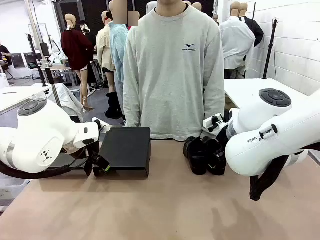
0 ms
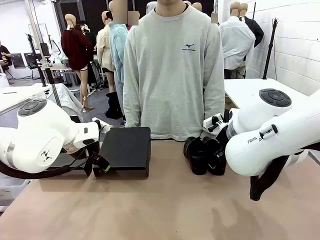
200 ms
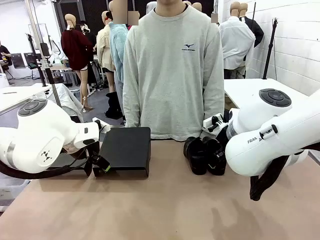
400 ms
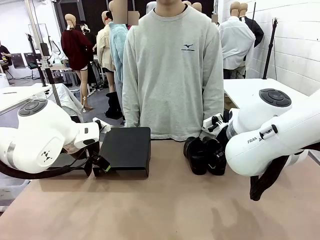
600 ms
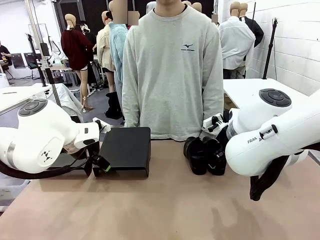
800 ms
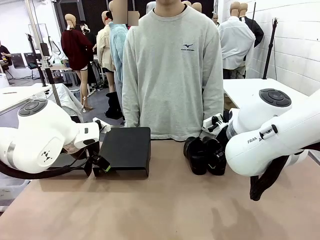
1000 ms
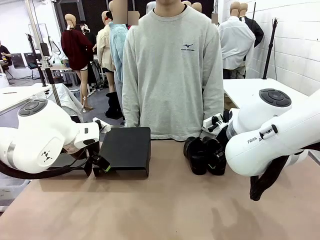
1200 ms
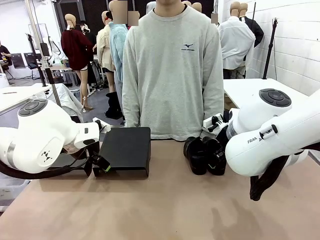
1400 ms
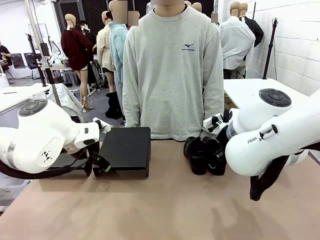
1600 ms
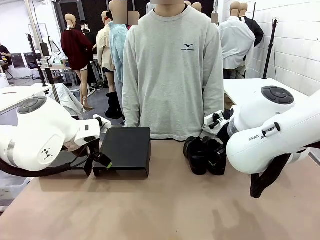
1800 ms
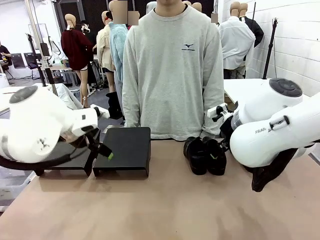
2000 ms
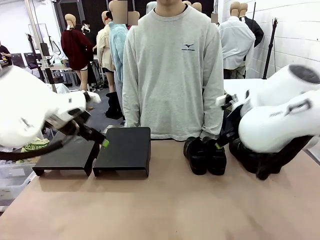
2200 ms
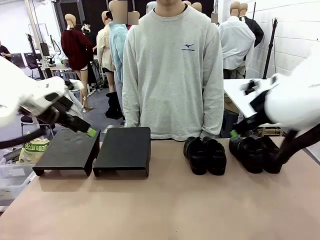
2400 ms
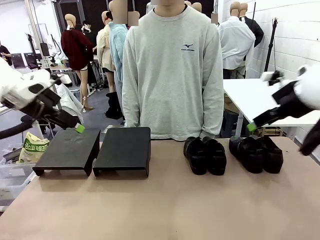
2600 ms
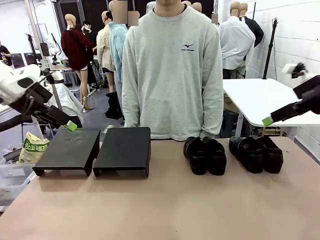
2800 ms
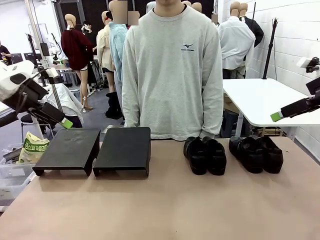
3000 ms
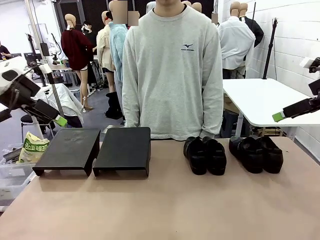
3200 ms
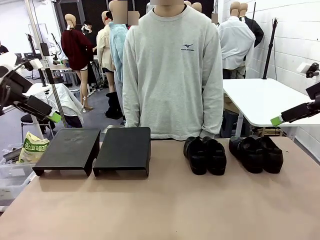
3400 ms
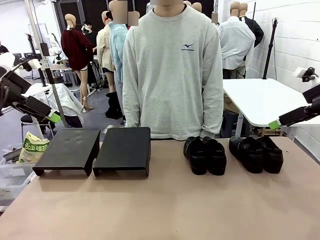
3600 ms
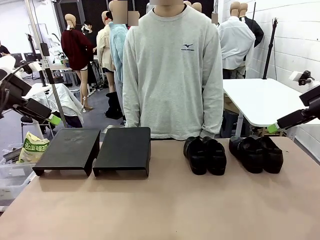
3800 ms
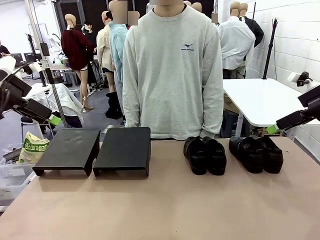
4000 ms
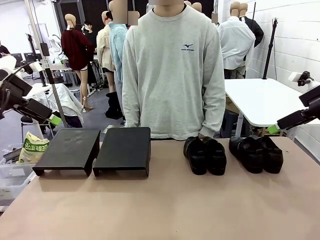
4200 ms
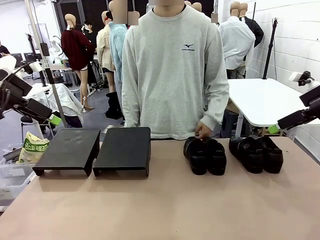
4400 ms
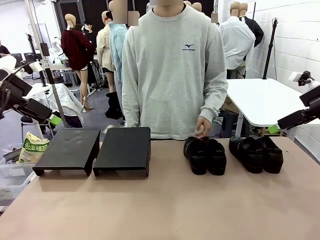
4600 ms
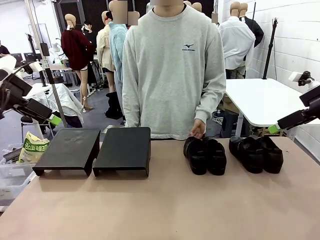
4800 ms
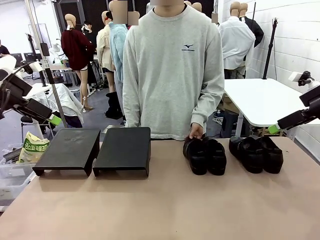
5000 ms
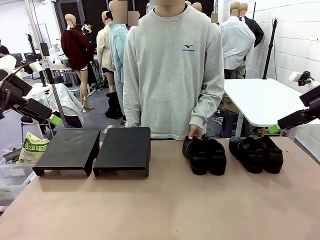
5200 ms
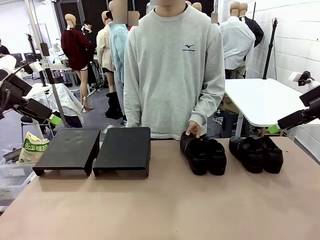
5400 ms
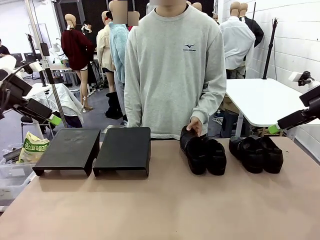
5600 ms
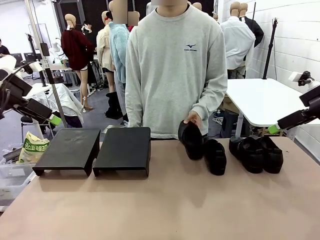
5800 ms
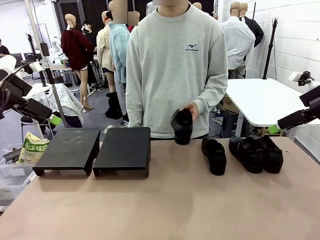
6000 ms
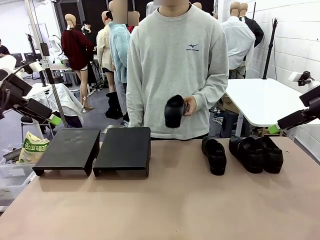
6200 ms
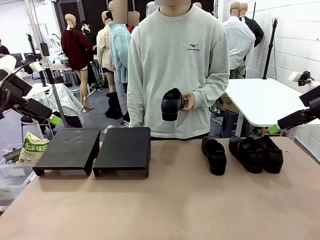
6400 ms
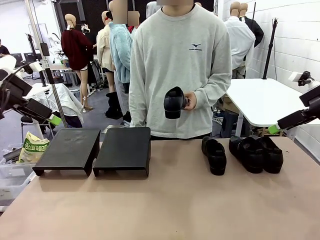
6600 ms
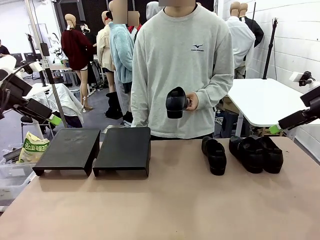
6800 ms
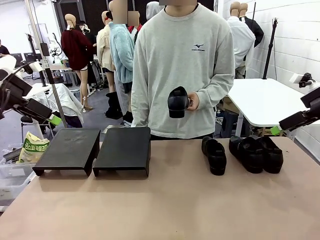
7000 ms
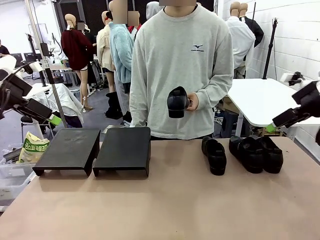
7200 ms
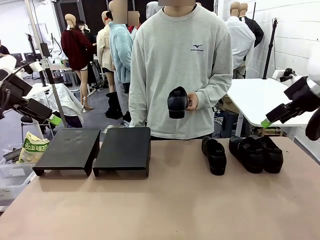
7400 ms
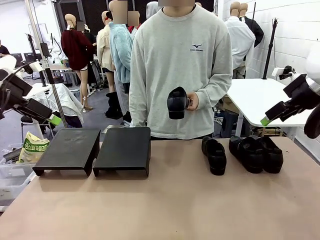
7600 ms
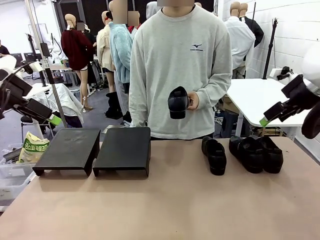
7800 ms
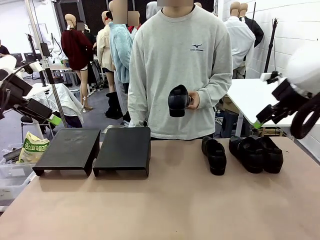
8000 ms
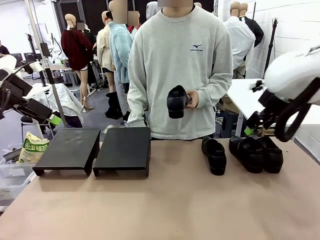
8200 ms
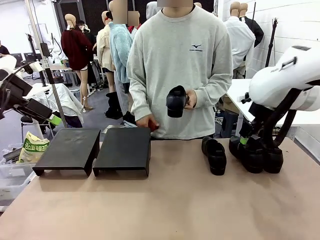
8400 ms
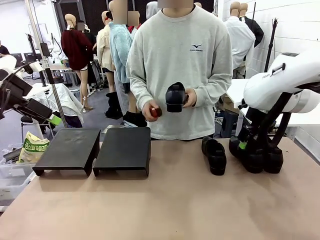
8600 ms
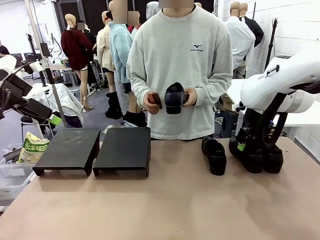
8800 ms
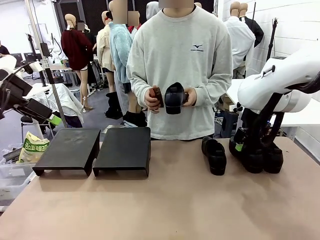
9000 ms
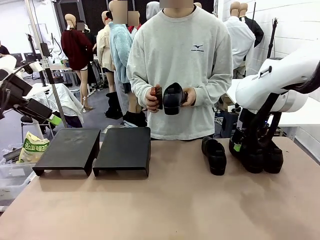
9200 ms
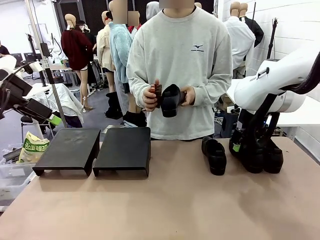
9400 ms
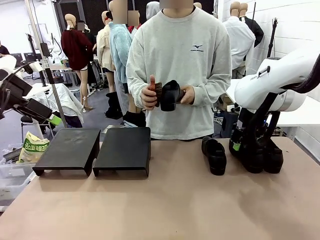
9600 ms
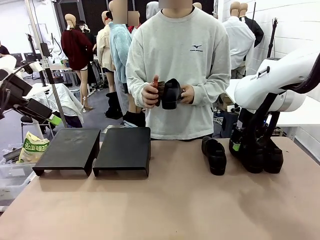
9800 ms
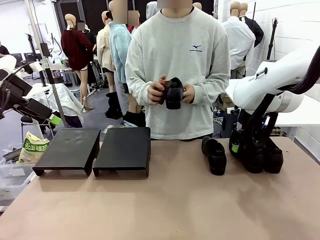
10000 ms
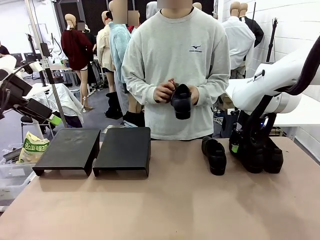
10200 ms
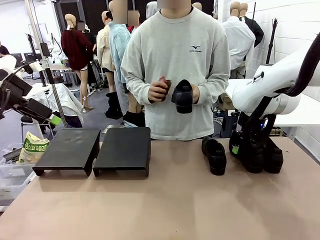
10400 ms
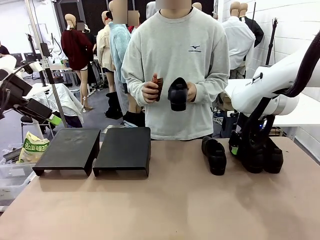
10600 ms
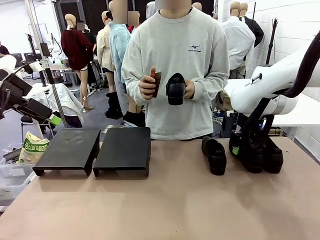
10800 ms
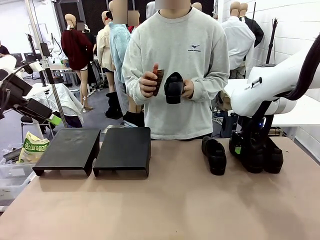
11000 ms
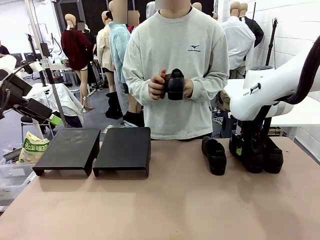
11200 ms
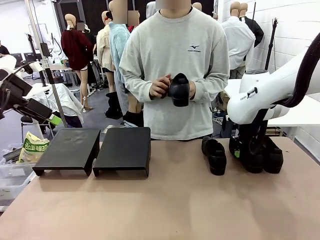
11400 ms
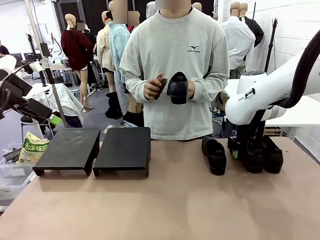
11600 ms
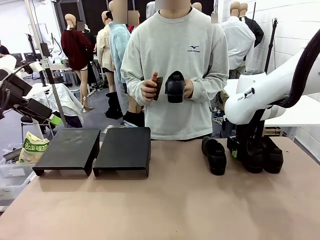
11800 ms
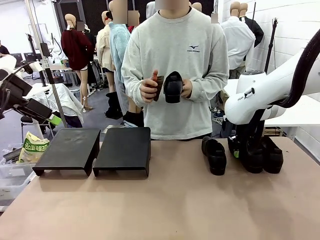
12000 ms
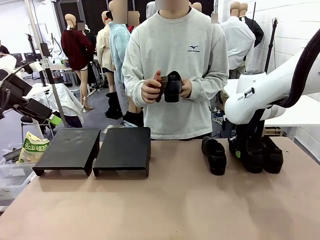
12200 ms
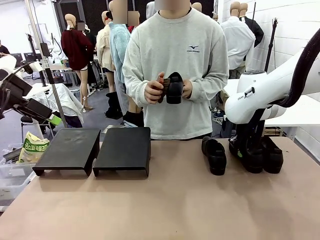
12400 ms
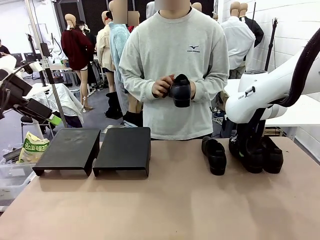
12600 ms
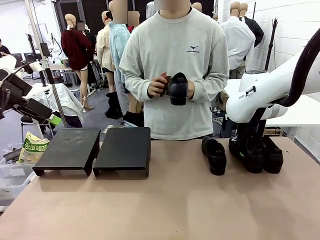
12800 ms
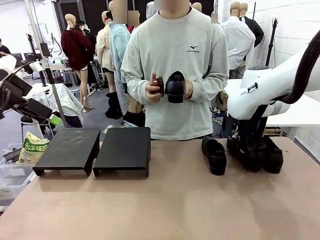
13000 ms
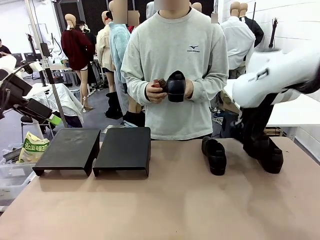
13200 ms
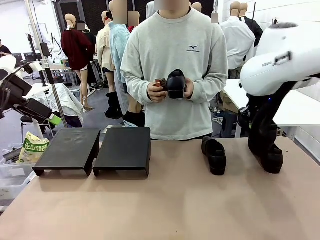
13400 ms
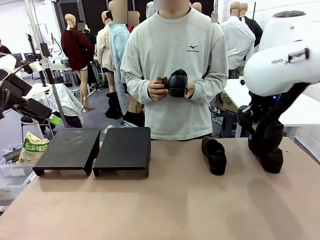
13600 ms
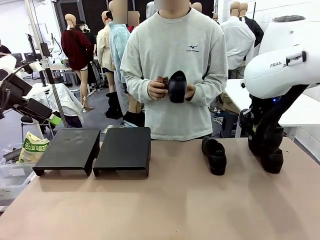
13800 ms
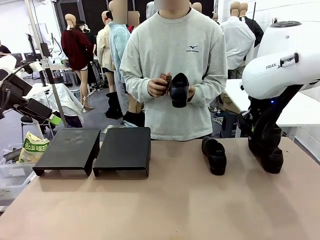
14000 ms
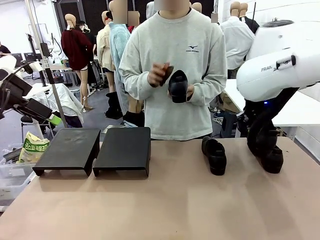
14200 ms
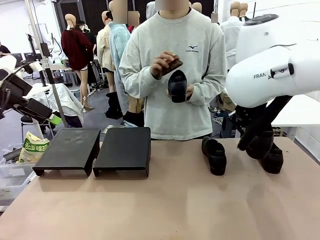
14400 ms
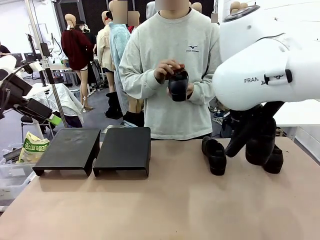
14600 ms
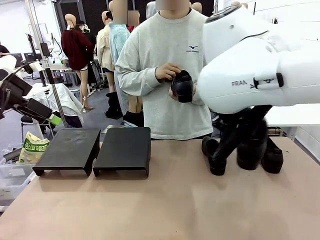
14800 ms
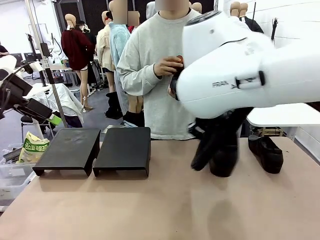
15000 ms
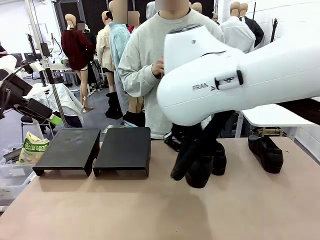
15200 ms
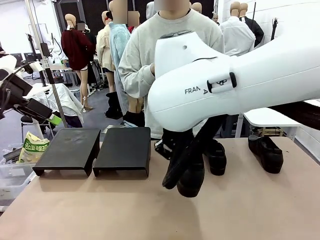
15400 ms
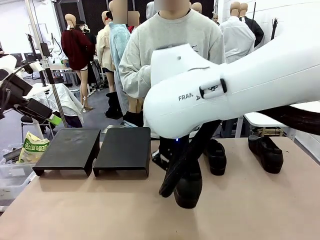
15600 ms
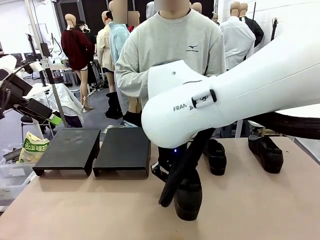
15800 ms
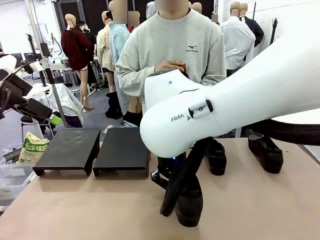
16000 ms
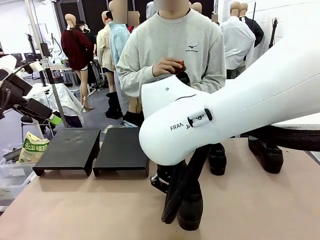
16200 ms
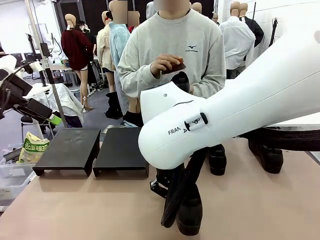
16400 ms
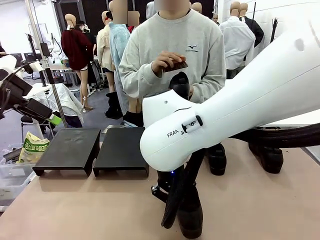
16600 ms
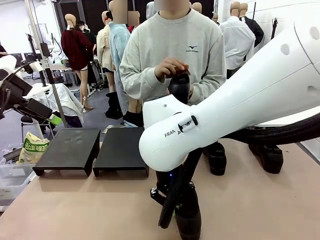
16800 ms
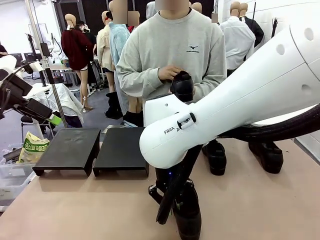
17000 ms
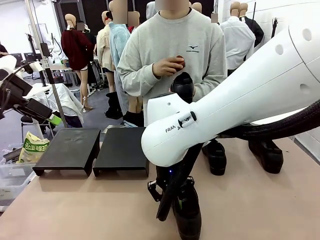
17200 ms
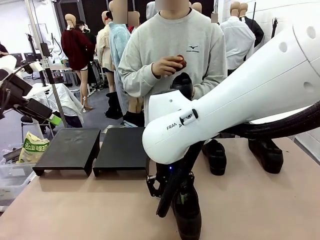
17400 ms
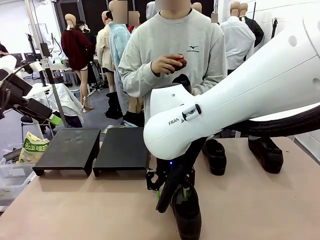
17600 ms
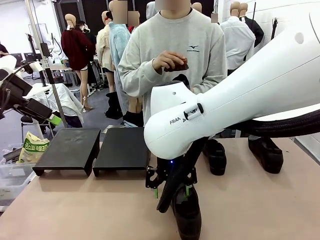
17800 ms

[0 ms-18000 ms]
Task: Organize the shoes by placing them on the stand.
Robot: Pick up one Shoe and place it in the middle of the table.
Person: Pick one Shoe on Robot's table.
